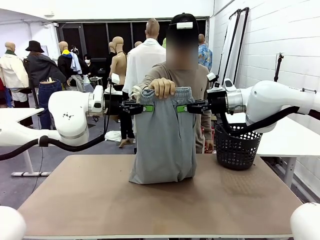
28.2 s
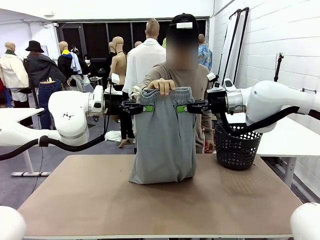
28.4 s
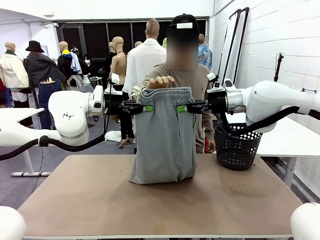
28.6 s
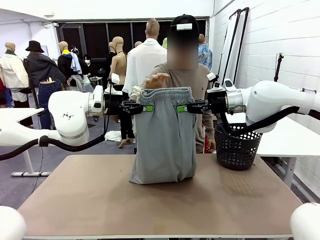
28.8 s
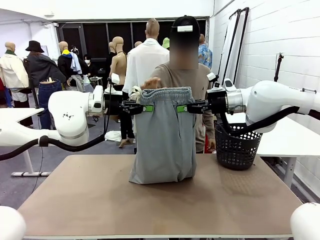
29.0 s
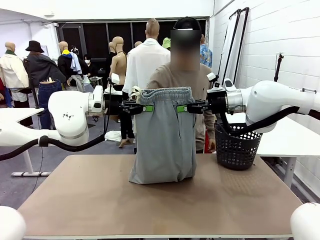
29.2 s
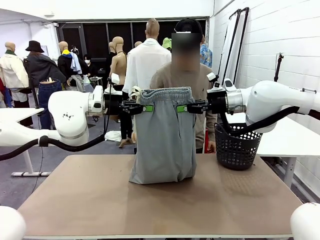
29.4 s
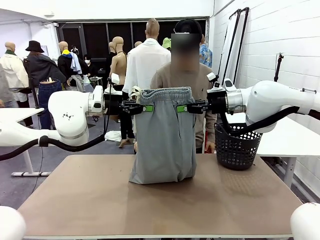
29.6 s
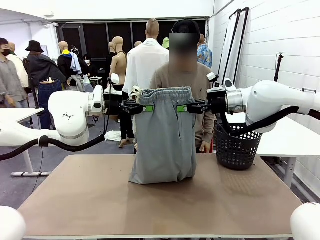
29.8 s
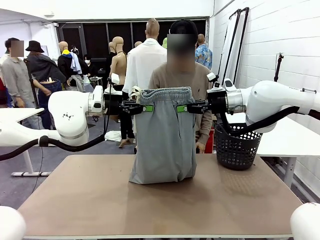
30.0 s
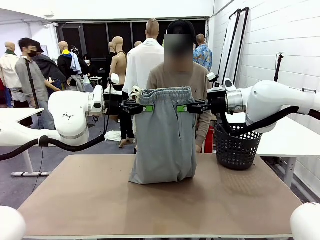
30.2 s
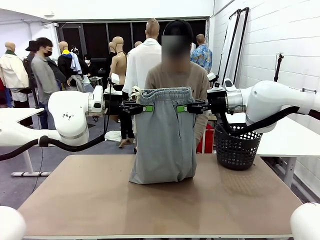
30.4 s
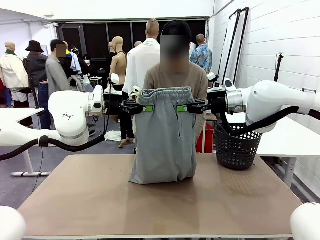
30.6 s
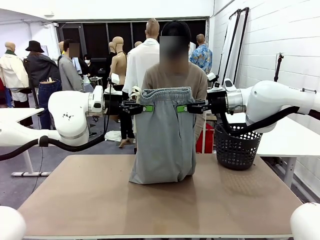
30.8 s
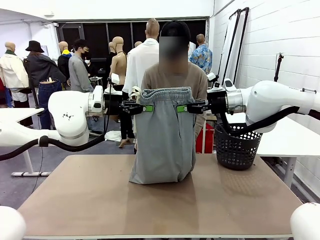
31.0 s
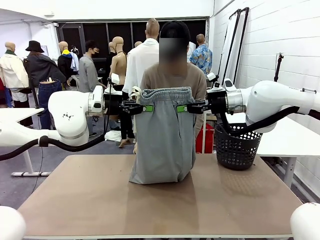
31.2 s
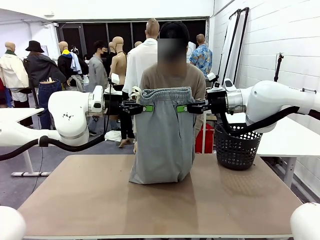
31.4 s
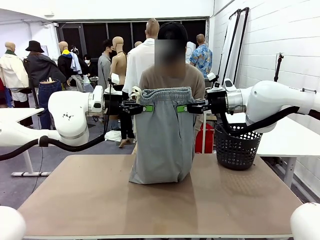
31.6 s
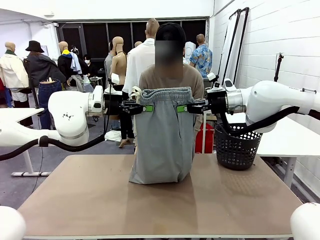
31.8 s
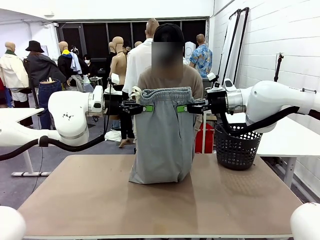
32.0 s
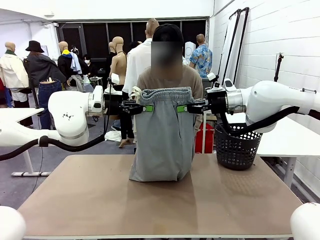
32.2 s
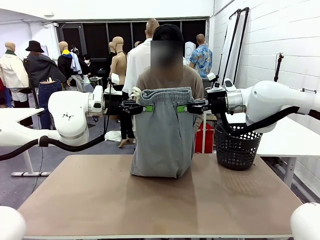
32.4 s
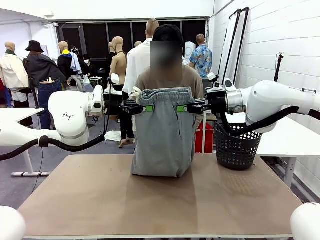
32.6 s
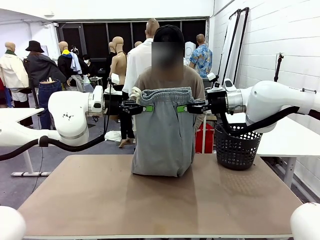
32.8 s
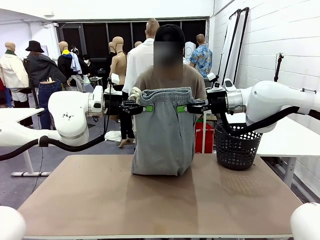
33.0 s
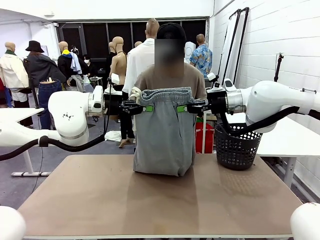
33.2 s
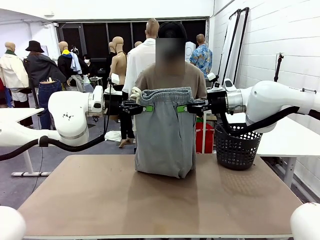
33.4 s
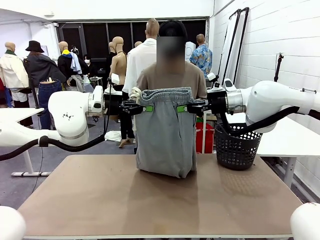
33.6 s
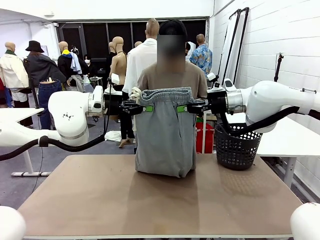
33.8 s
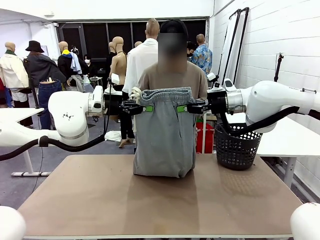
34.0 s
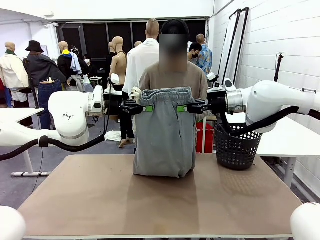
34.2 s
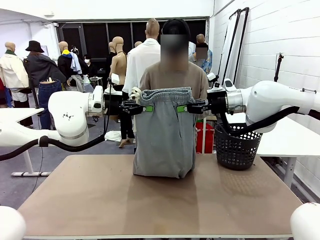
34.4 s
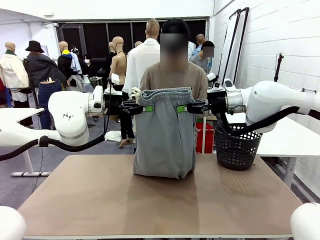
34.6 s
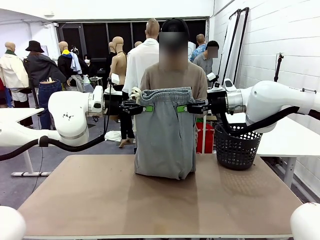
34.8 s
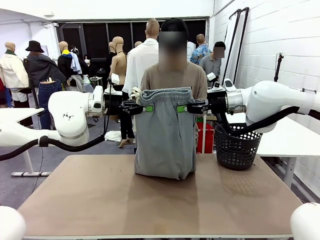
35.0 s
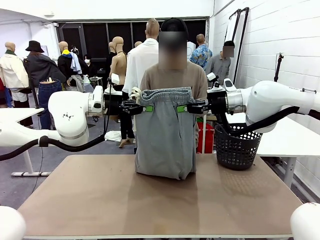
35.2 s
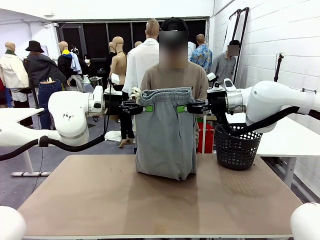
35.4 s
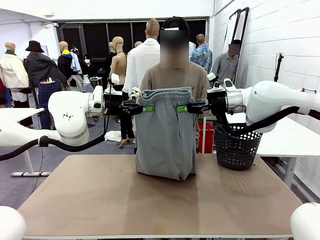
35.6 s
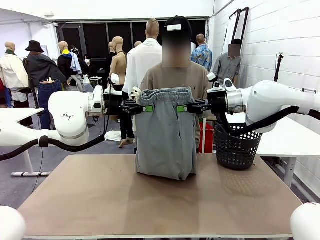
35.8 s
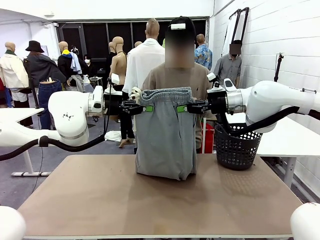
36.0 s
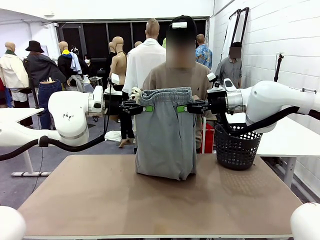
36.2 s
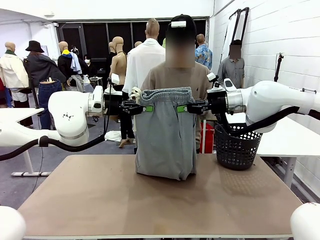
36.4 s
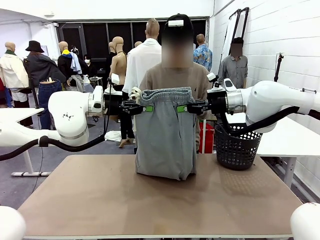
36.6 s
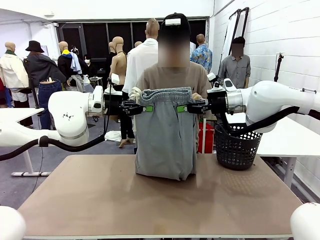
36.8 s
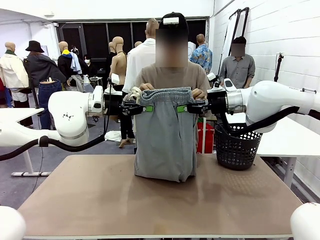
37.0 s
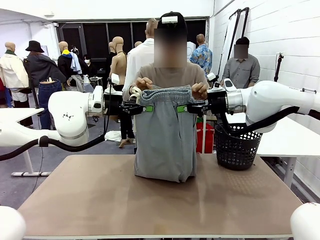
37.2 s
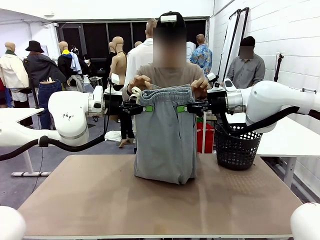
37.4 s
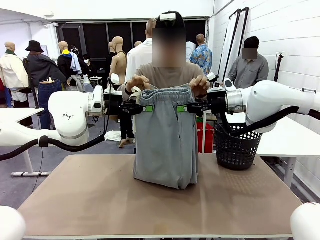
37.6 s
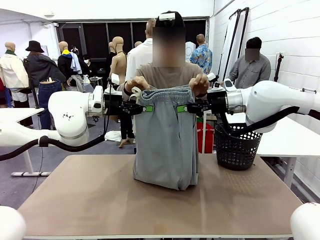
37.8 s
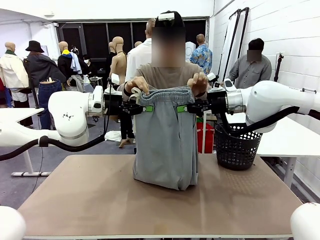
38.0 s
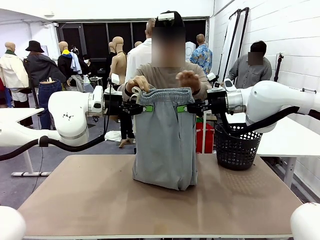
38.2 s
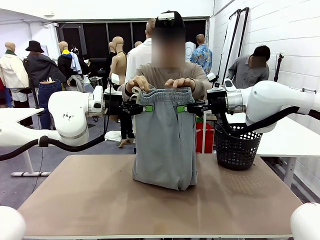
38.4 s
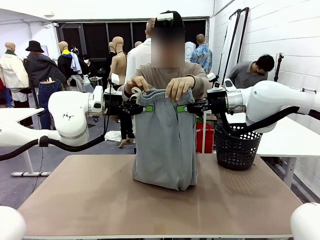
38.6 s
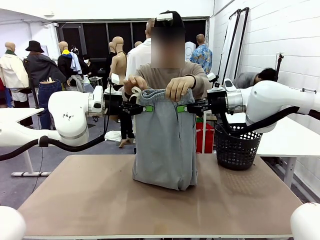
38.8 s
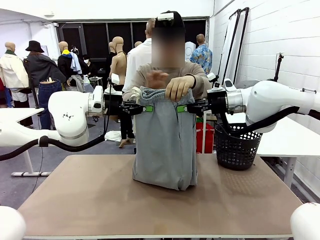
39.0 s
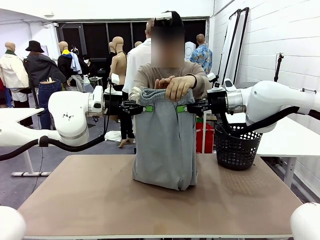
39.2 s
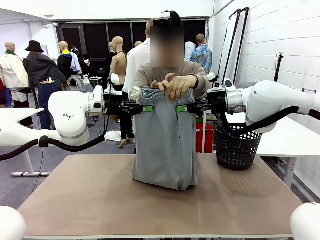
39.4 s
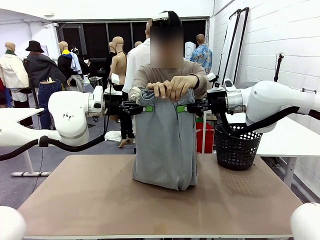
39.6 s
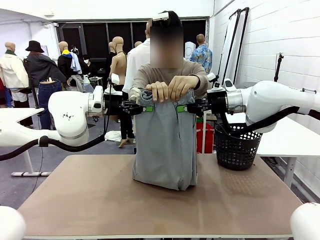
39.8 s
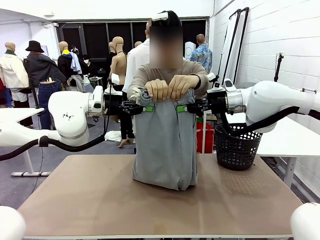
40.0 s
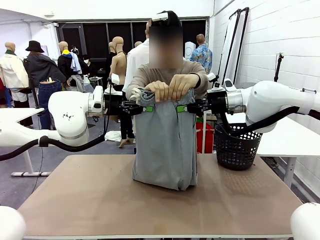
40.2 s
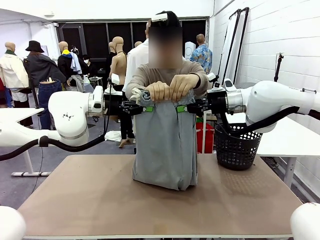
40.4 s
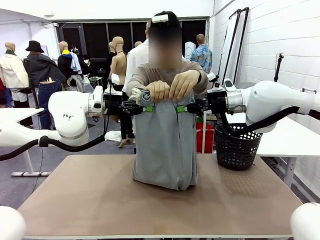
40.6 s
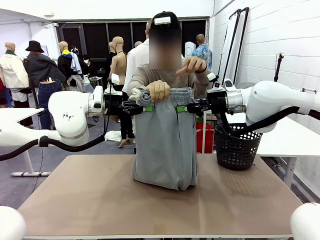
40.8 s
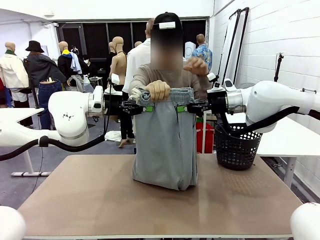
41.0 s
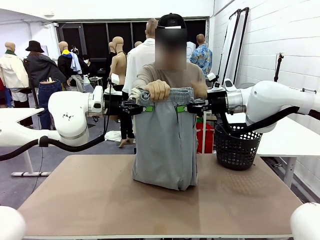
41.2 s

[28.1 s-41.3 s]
Task: Fold the training pants.
Robot: Release the ends of the Training pants and then grab the overlapped ends.
Person: Grasp the end opposite the point the robot is holding, fold the pants in half, and then grasp the overlapping top end of the folded pants.
